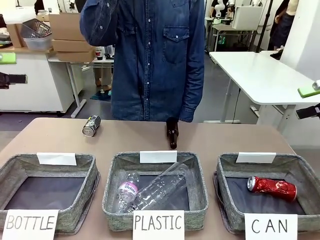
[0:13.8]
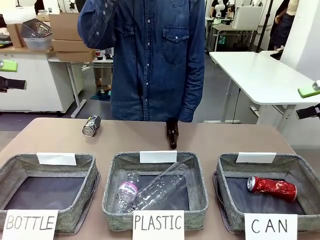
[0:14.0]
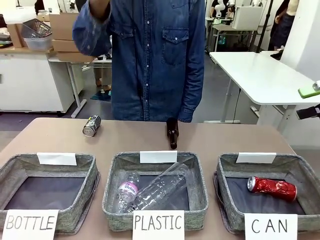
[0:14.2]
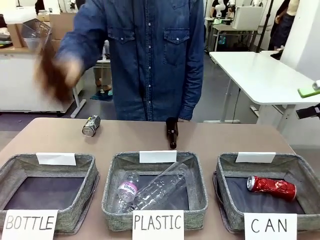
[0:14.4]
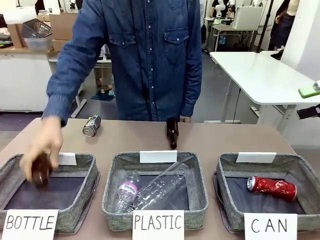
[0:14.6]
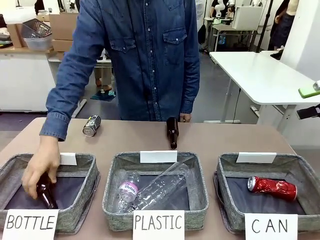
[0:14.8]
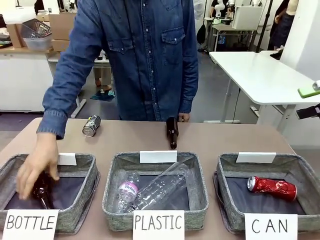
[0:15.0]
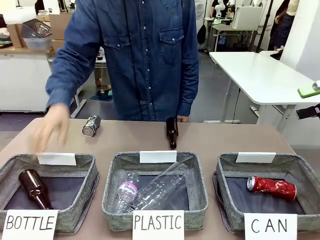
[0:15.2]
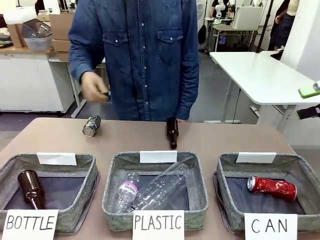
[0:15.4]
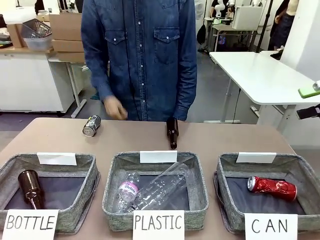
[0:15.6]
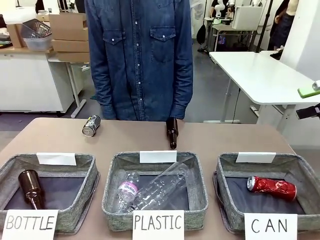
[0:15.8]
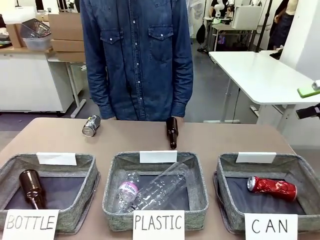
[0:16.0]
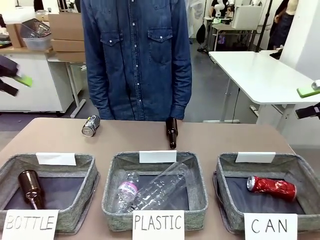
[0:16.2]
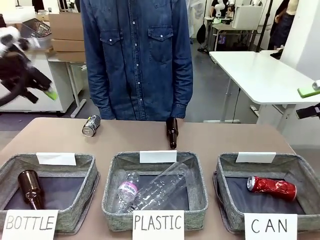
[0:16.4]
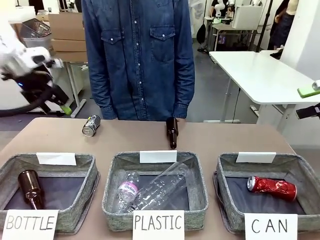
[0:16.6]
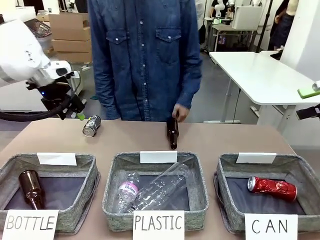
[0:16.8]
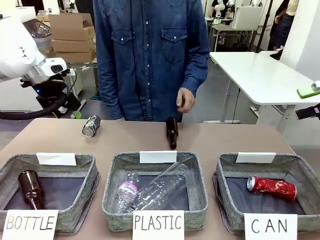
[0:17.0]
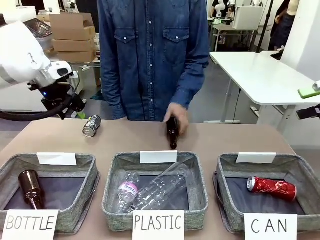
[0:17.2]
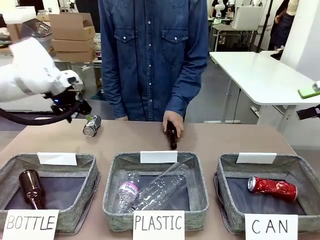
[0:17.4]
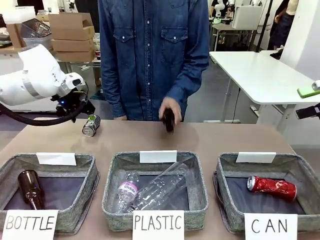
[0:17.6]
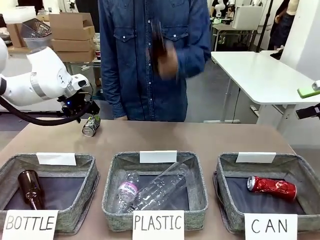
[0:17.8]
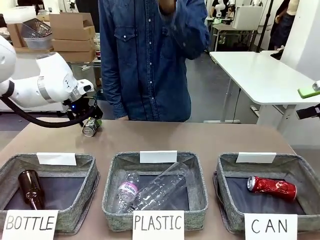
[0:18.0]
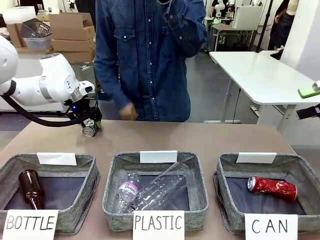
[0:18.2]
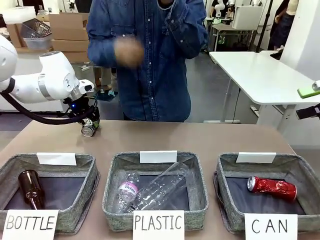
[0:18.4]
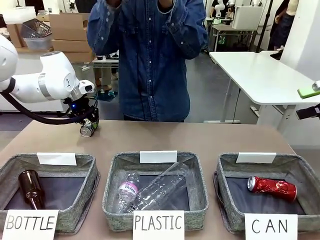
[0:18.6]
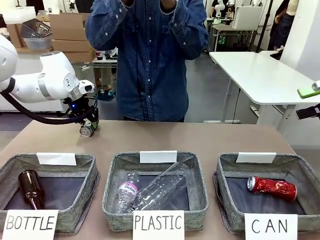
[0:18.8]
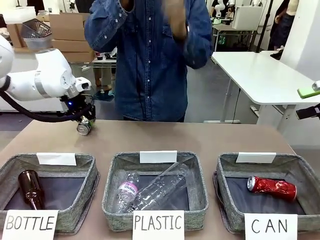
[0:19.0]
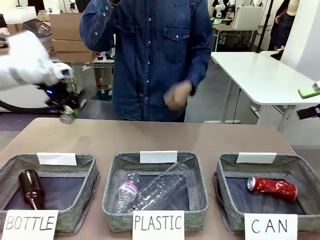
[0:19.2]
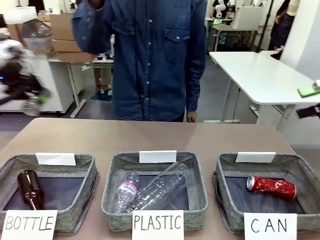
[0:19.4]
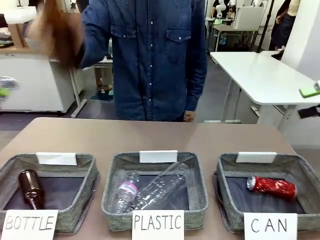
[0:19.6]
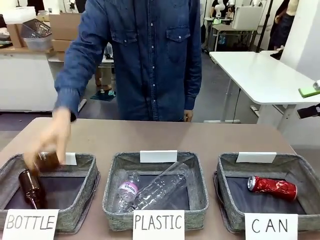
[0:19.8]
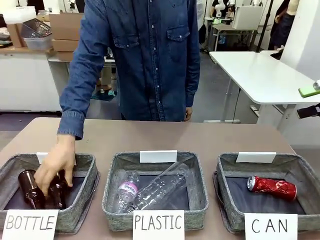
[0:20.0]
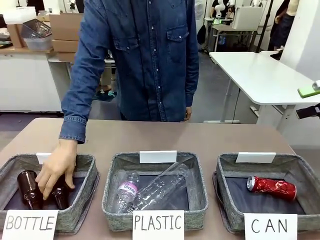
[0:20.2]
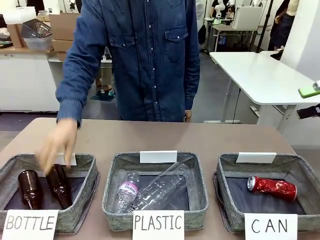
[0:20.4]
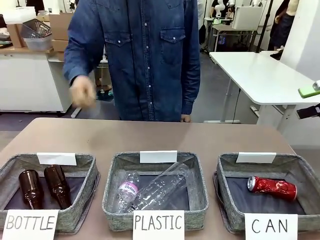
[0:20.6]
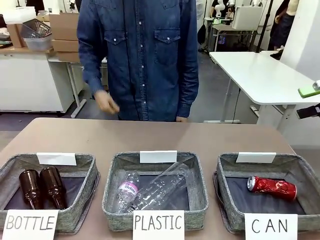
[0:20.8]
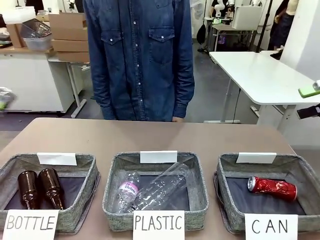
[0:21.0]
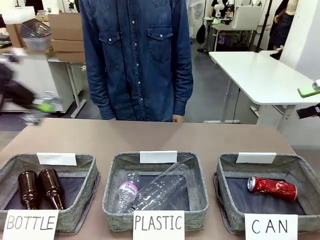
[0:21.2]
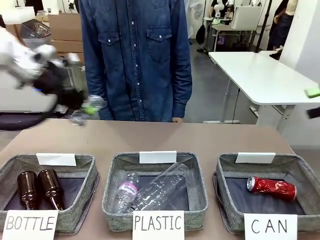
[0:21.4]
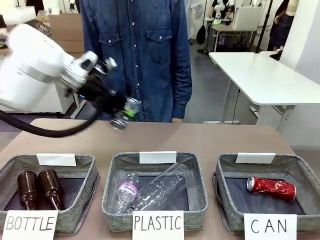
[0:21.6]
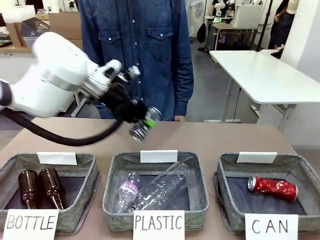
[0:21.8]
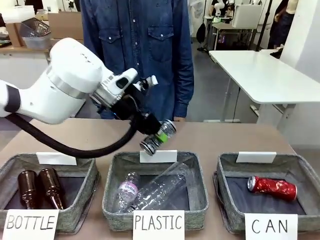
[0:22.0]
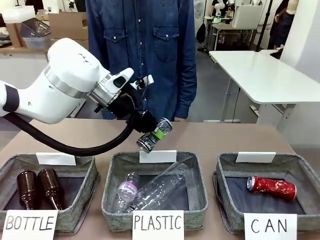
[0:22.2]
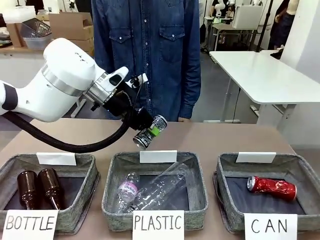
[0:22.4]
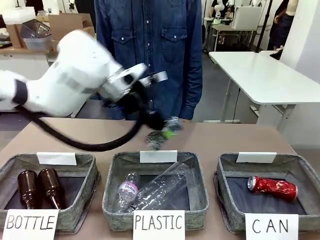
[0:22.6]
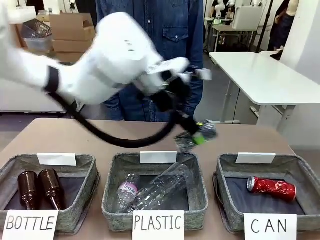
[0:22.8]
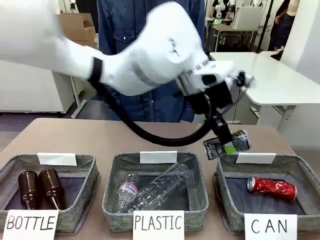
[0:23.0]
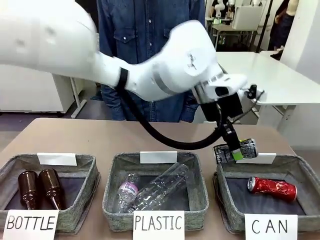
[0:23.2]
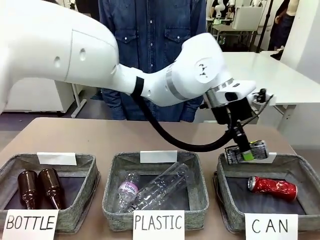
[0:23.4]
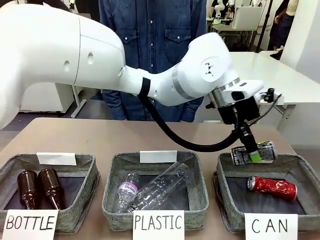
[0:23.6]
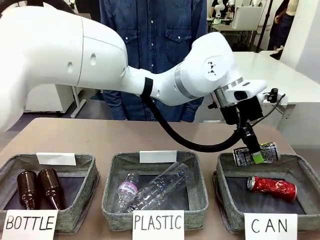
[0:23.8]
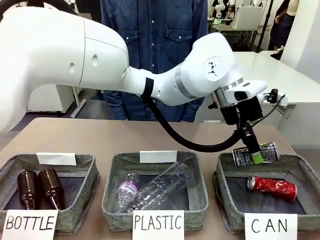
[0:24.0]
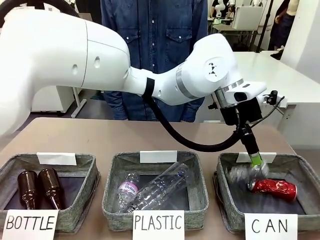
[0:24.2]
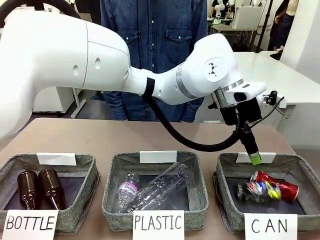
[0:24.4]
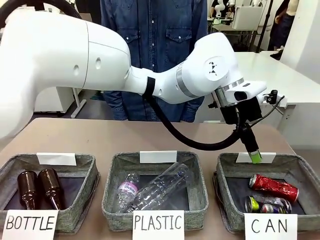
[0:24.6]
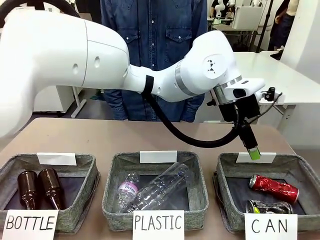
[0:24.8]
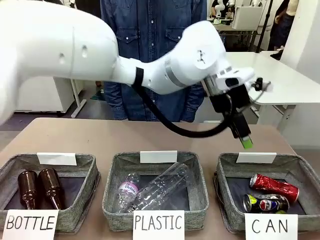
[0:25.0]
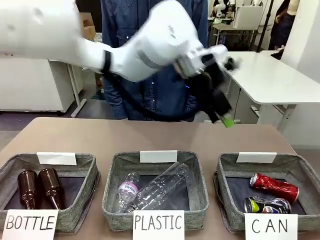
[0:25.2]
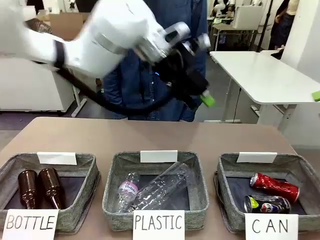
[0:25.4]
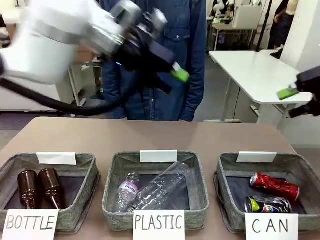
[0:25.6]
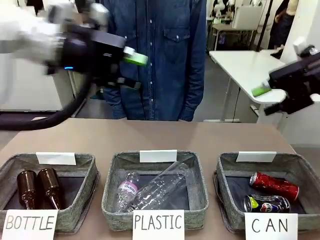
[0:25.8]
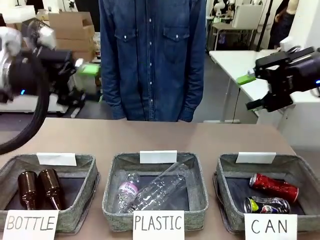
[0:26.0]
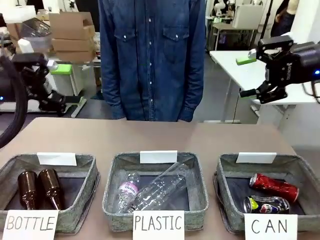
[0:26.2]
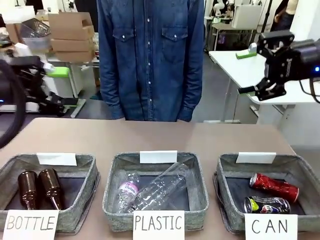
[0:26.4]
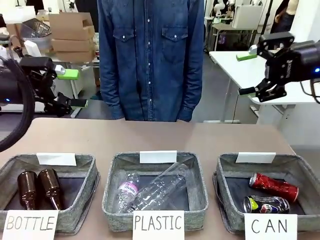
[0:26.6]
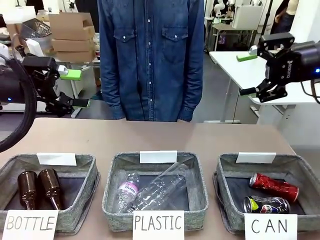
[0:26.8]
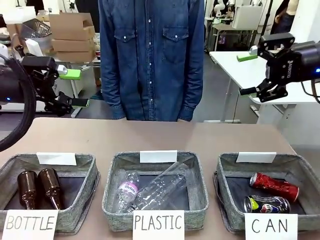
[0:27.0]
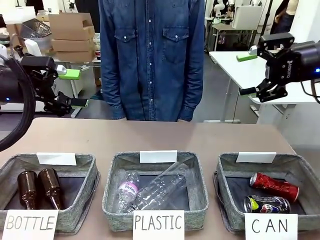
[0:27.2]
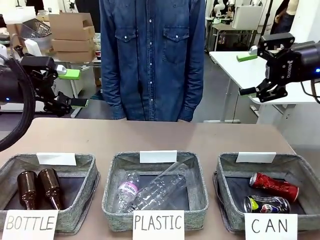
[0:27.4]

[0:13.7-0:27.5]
Task: Sort the can waste into the basket.
Robot: Pick up the can waste from the table and place it in the right Fabric basket.
Person: The human picks up one piece of trash that is not a can and places the trash into the appropriate organizing basket.
